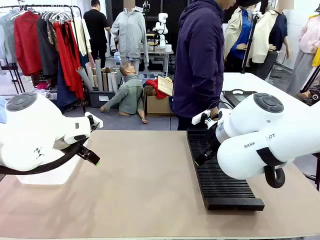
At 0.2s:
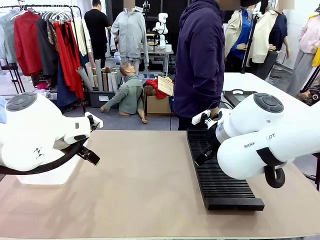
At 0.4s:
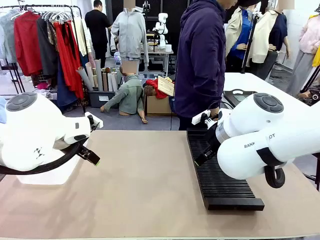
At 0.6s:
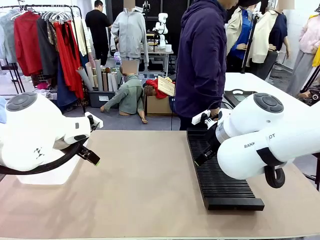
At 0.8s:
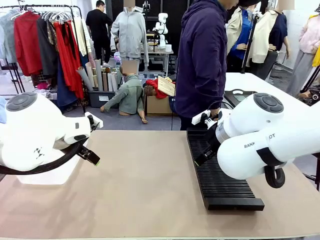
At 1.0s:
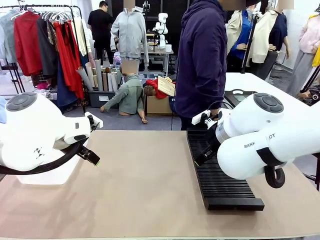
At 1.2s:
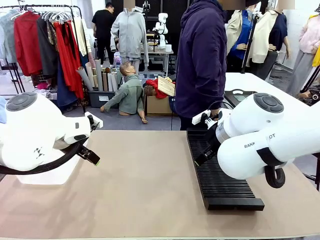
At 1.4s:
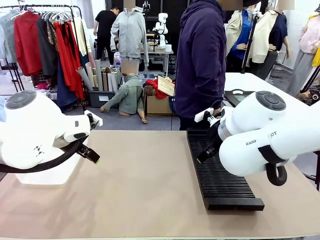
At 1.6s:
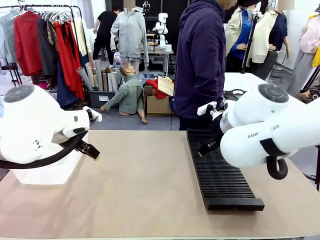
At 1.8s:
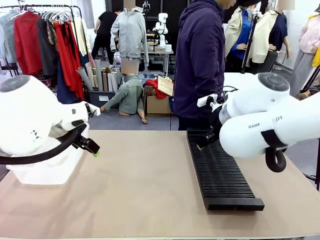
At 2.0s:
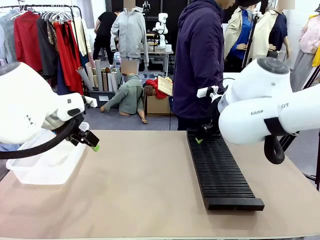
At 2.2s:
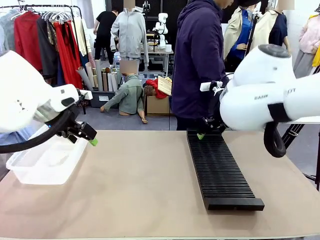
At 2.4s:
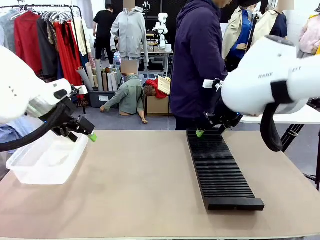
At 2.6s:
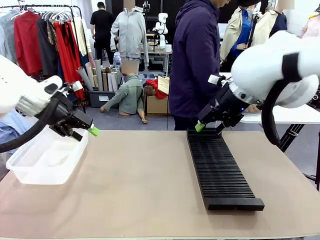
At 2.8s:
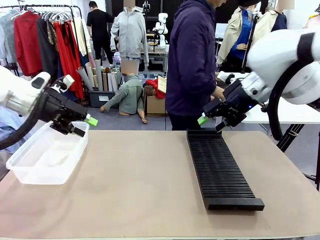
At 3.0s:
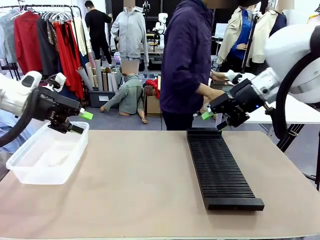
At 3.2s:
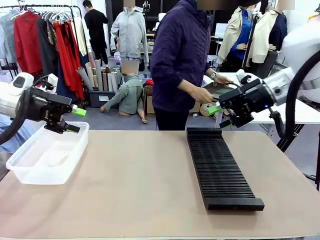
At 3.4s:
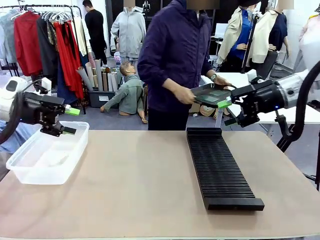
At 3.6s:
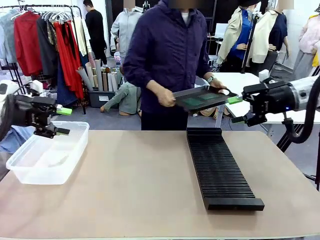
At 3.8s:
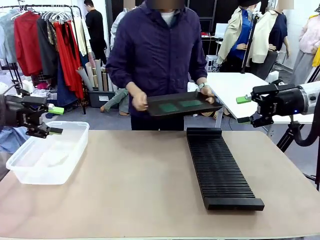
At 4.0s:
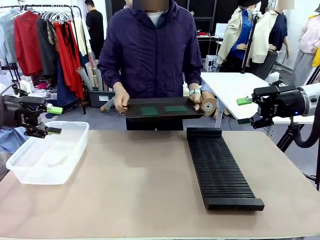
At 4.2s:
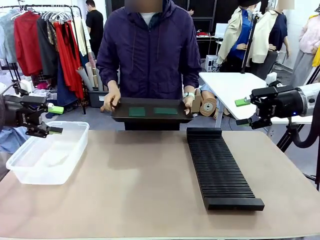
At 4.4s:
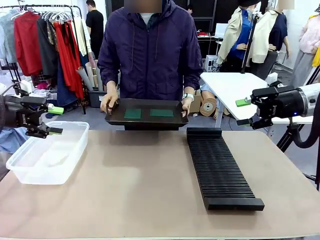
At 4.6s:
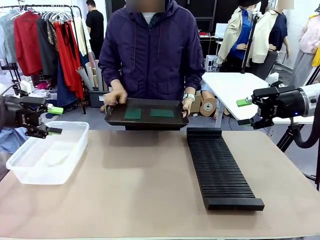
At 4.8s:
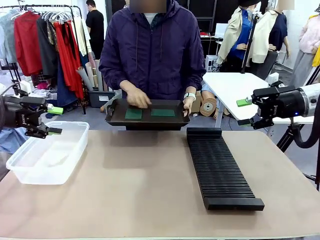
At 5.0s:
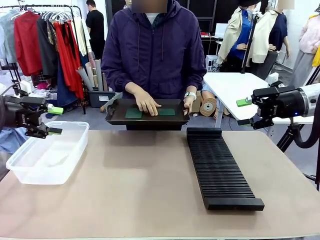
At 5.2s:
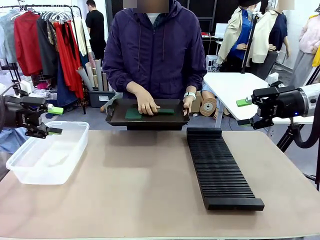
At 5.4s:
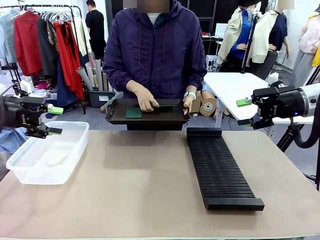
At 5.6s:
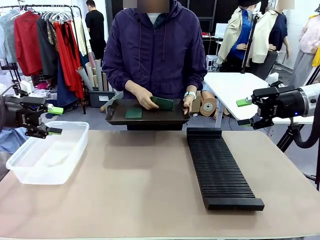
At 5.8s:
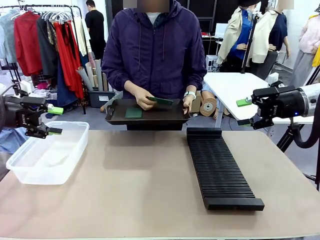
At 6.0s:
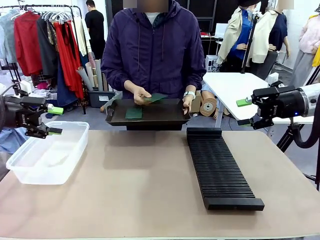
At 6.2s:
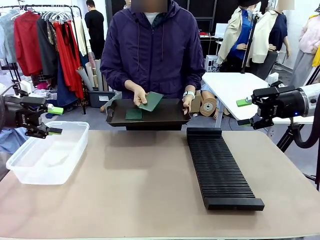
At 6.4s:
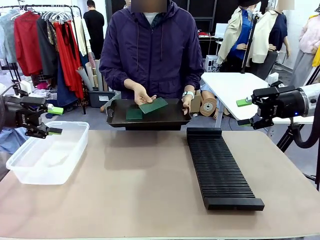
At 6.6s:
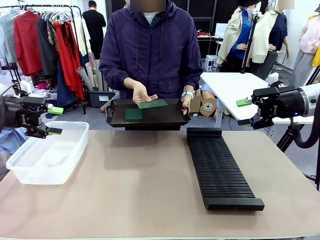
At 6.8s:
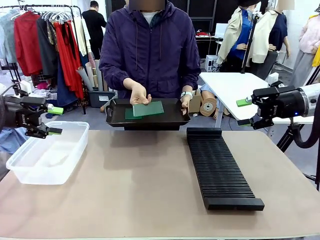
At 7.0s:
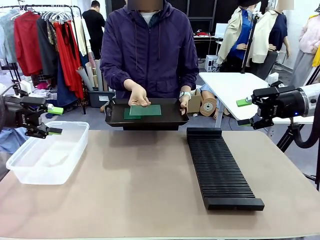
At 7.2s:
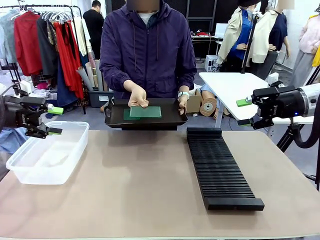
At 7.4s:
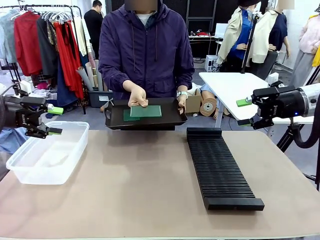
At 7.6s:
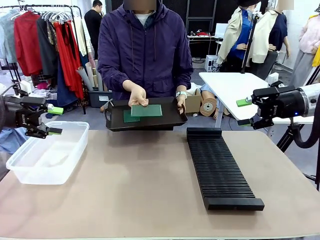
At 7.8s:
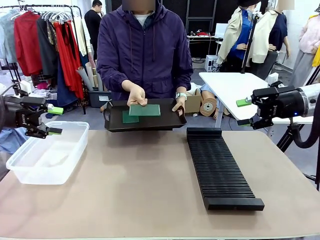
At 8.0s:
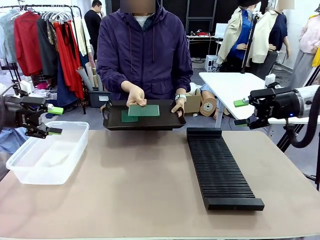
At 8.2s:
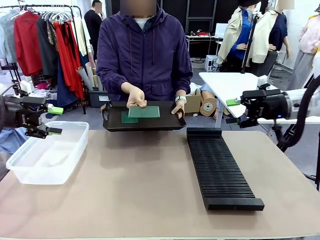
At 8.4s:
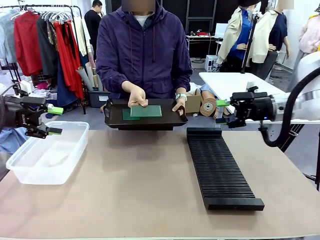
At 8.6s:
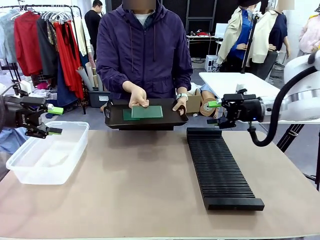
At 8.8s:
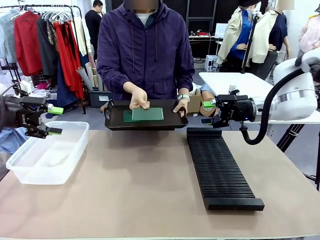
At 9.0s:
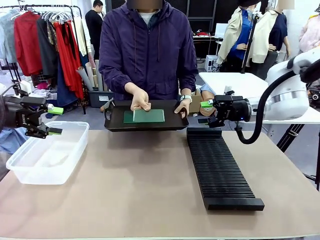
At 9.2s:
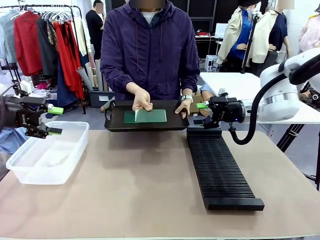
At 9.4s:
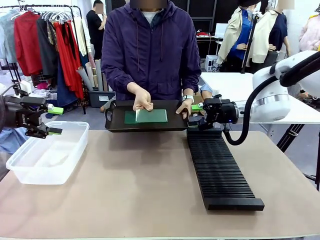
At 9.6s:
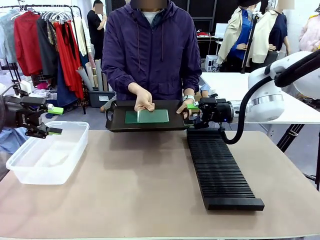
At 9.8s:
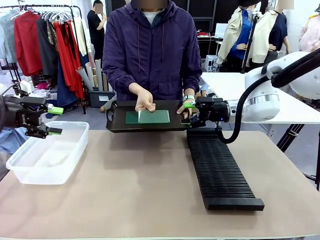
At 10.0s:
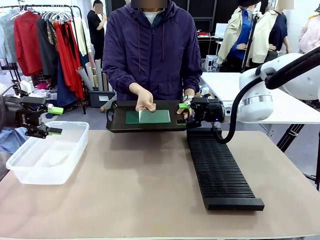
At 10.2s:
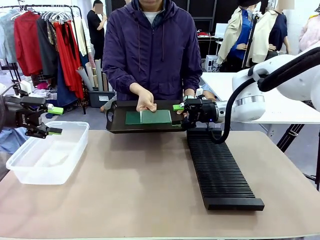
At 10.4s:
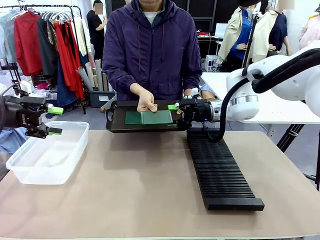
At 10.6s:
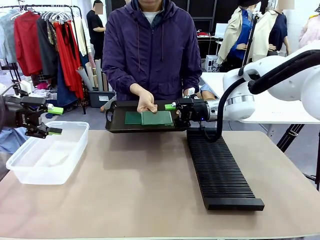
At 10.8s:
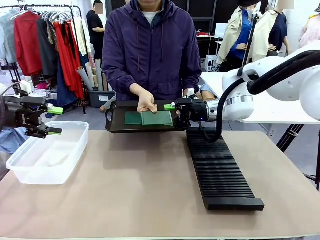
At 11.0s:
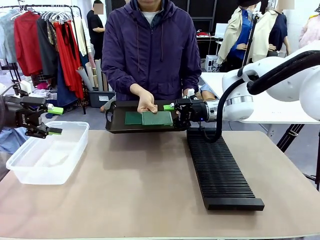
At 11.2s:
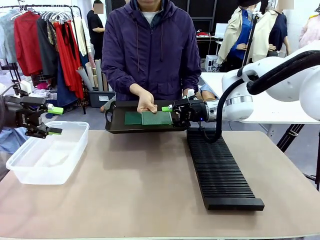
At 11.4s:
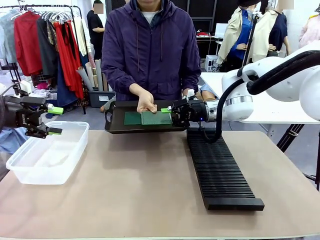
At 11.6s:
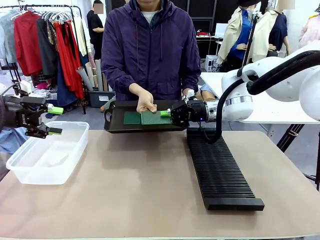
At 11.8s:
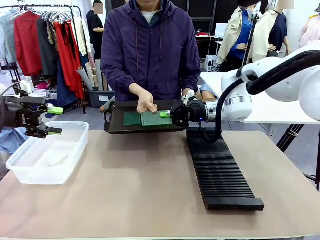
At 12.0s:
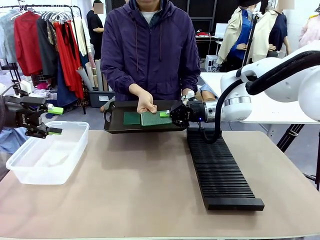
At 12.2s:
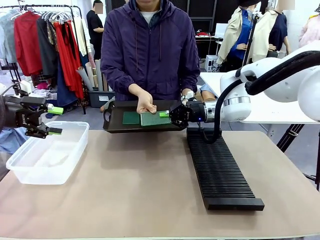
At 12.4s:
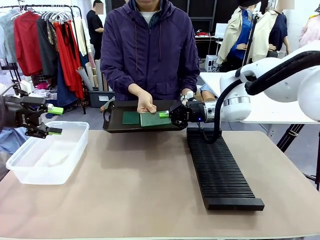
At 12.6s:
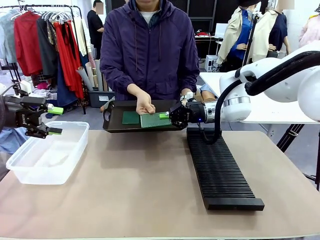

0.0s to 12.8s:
Task: Sort PCBs into racks and boxes based on the side picked up.
Robot: Pick up the Blank PCB handed by the Human.
Person: Pick one PCB from the tray and present it to the robot. Release the PCB being held.
